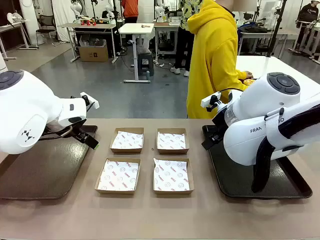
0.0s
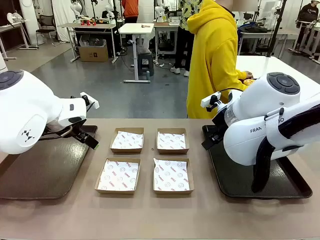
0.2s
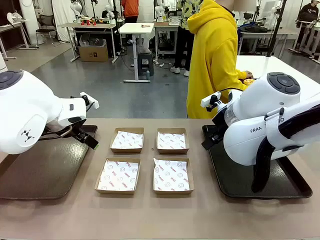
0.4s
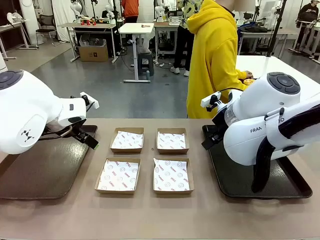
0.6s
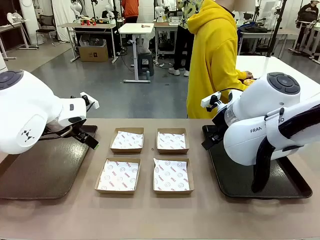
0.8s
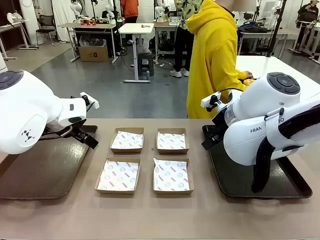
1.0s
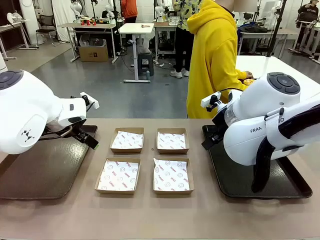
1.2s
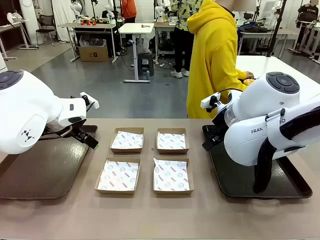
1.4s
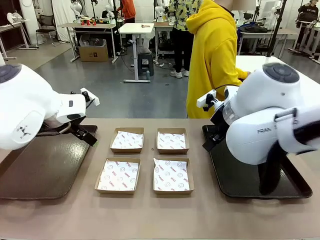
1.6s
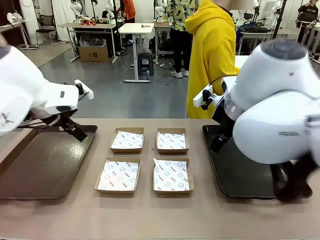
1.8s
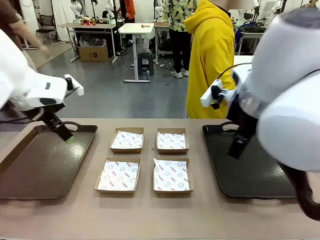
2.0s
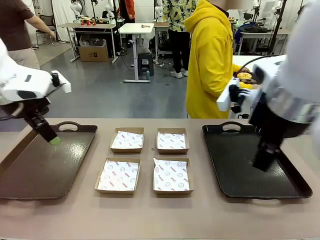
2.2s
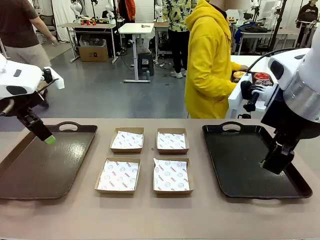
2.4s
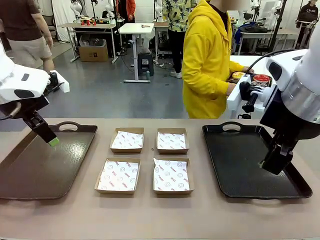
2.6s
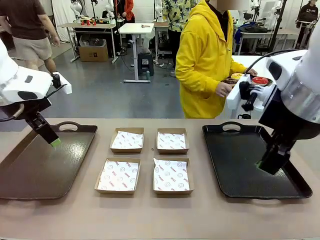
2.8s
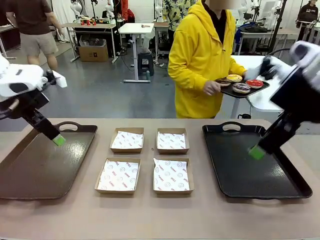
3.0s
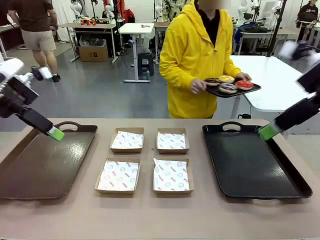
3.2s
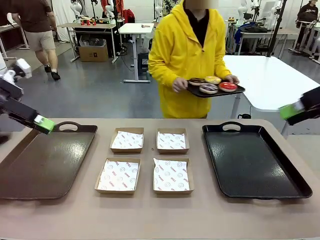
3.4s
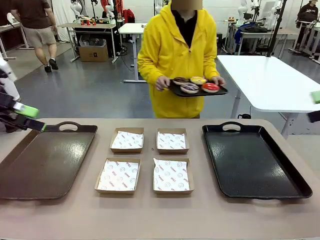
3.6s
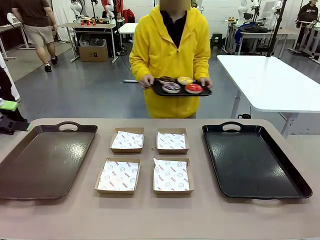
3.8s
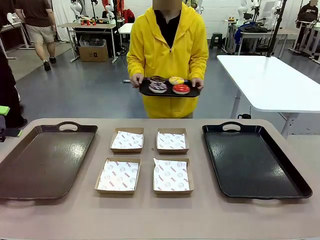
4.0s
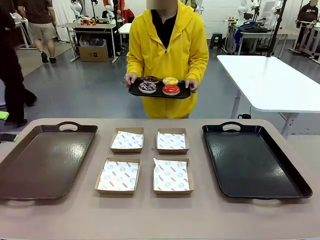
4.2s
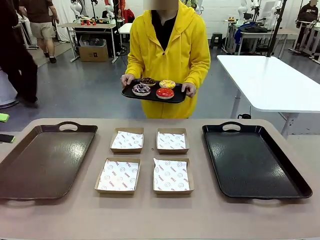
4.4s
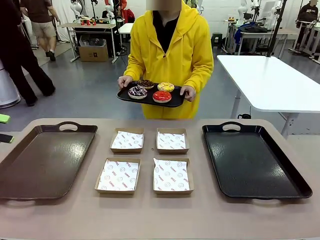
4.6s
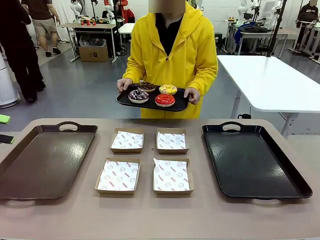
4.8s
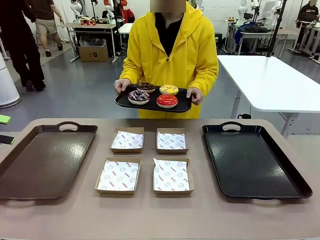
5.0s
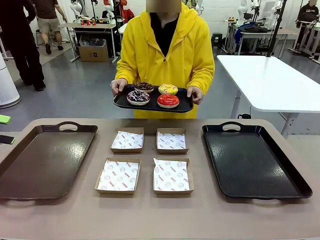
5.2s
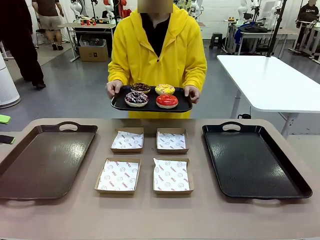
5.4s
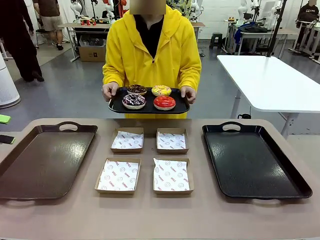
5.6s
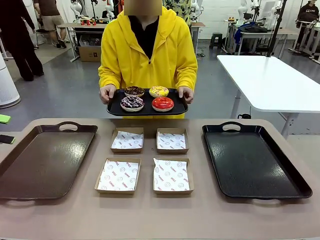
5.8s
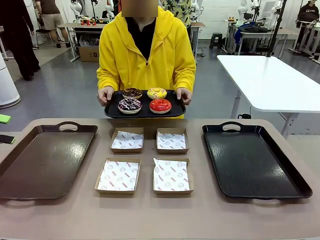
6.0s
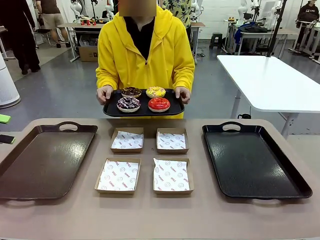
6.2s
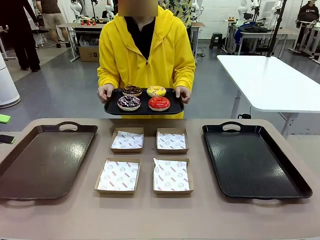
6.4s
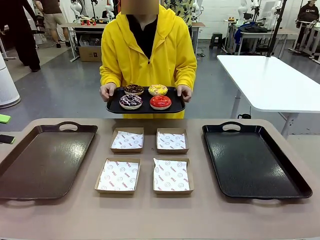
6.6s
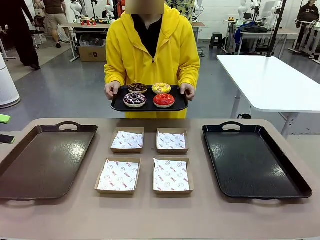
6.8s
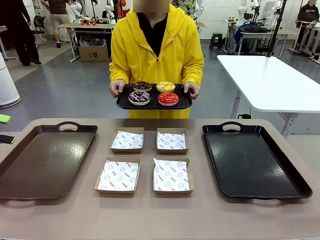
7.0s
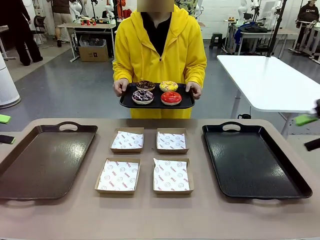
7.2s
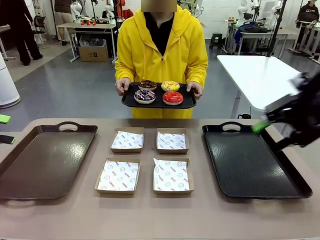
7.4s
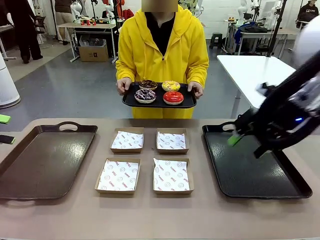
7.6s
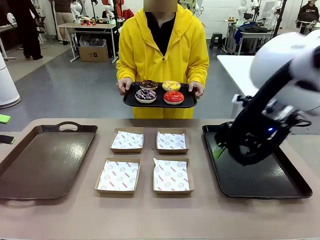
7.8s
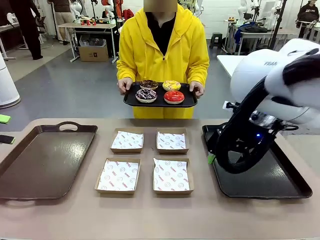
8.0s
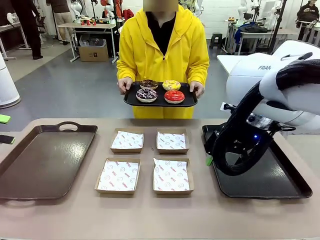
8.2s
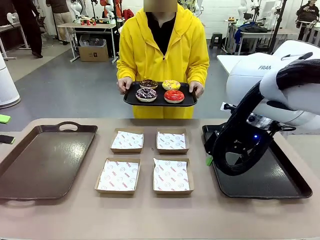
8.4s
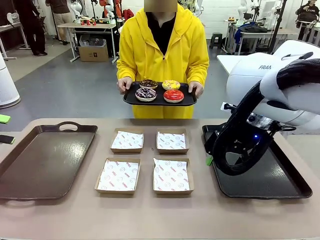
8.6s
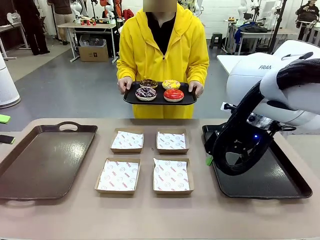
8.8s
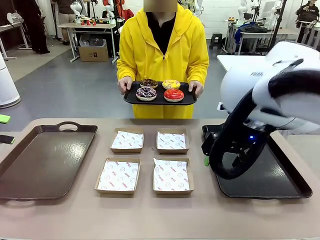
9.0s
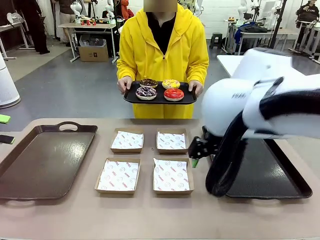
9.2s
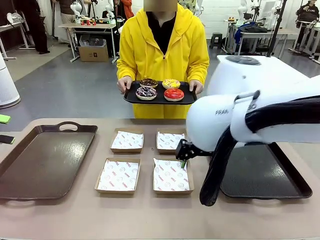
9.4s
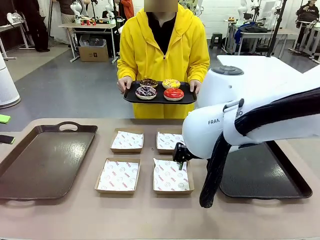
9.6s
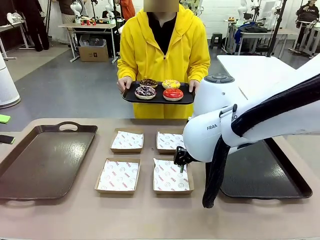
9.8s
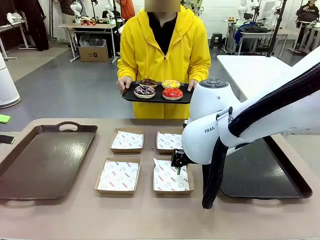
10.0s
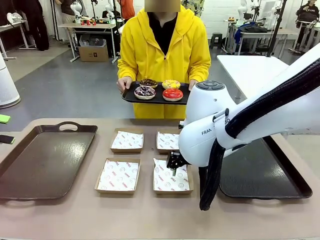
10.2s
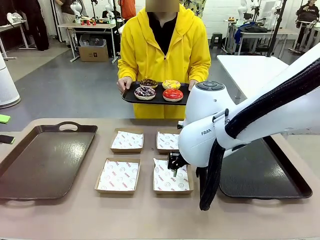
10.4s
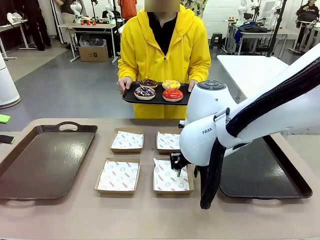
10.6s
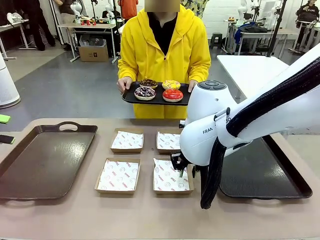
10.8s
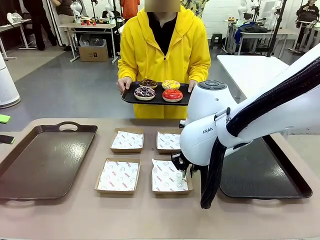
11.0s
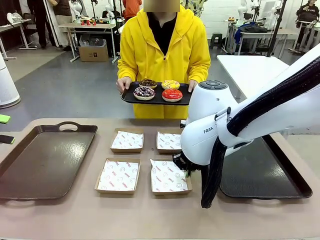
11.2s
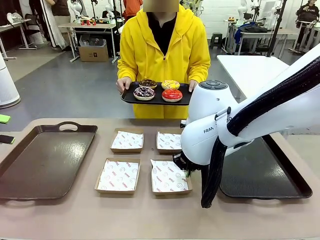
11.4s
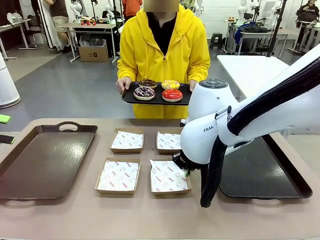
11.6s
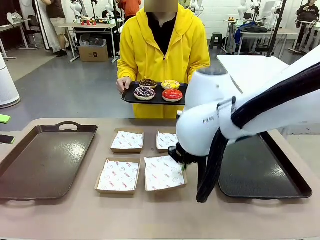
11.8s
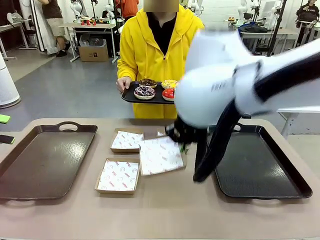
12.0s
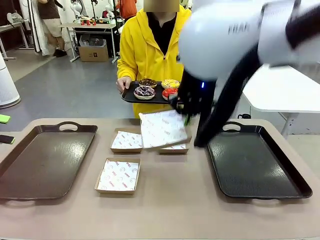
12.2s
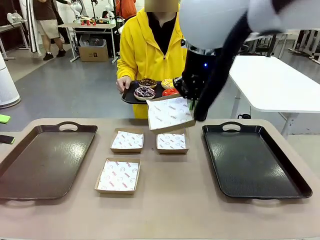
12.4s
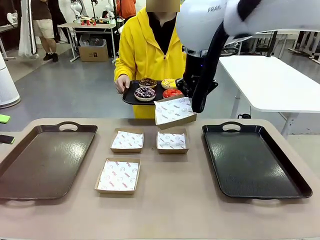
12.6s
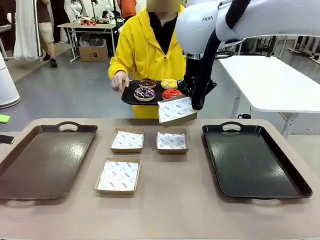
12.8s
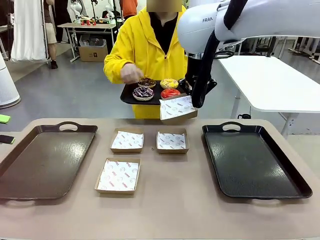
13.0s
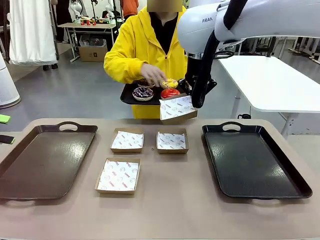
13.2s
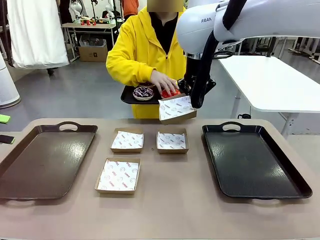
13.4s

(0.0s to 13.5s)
Task: Individually package the donuts and arrange them on the tray.
Robot: Pick up one Paper togo box.
Person: Stand in front of the robot table holding the tray containing the donuts.
